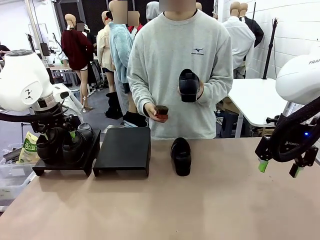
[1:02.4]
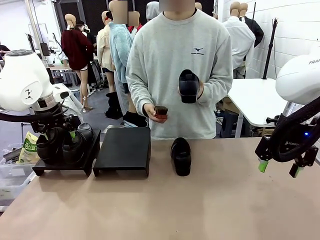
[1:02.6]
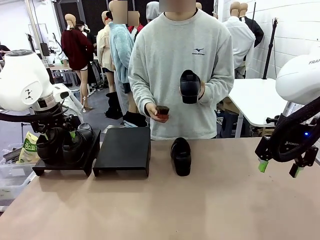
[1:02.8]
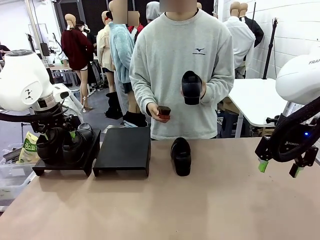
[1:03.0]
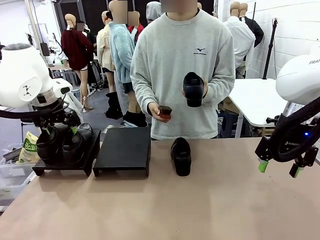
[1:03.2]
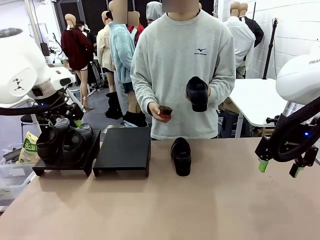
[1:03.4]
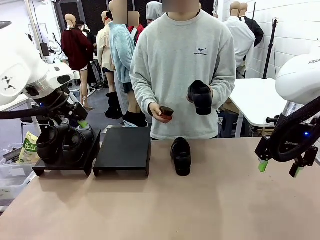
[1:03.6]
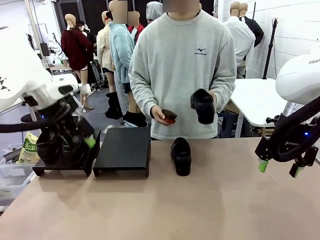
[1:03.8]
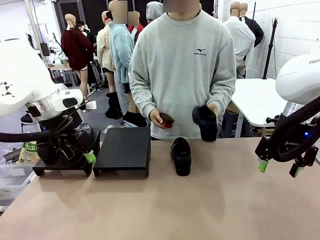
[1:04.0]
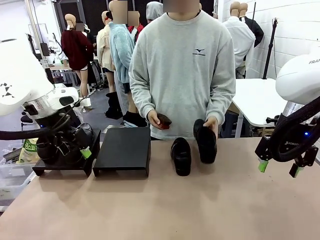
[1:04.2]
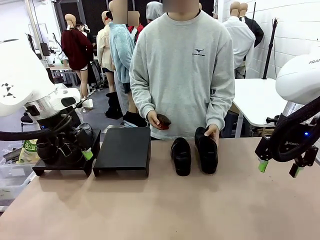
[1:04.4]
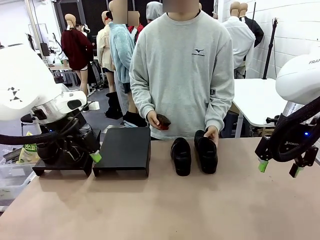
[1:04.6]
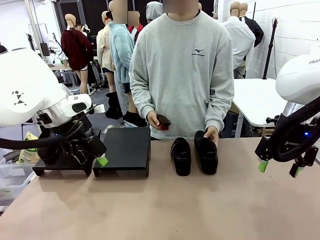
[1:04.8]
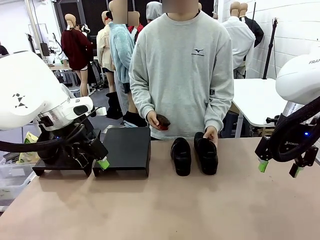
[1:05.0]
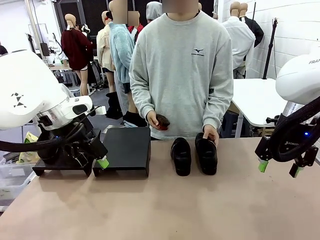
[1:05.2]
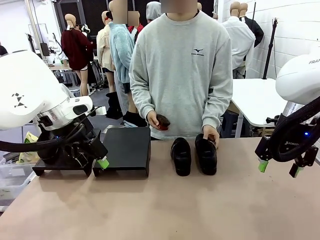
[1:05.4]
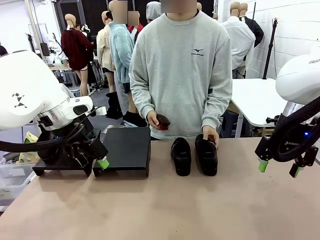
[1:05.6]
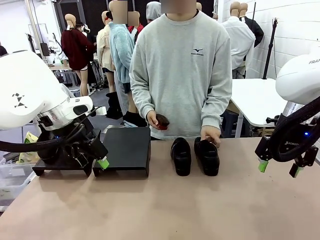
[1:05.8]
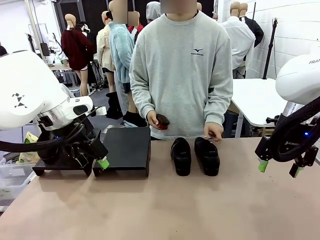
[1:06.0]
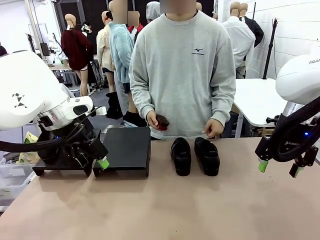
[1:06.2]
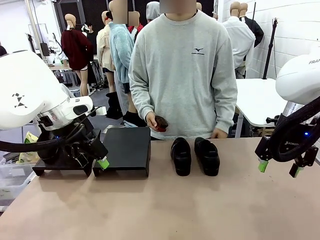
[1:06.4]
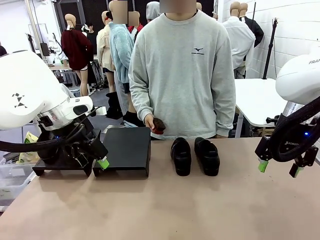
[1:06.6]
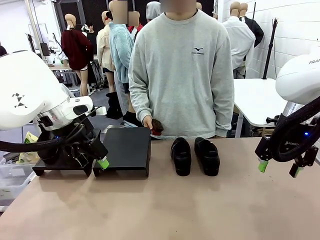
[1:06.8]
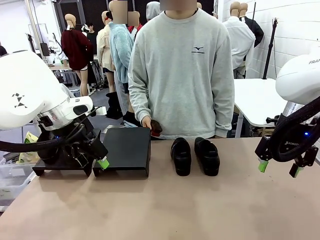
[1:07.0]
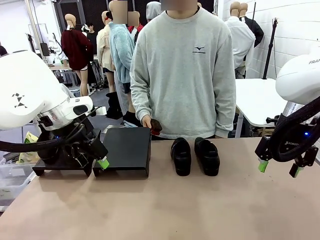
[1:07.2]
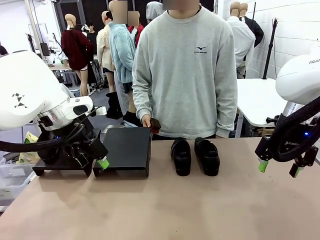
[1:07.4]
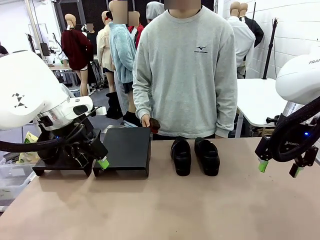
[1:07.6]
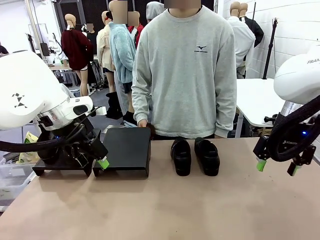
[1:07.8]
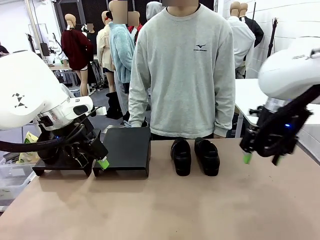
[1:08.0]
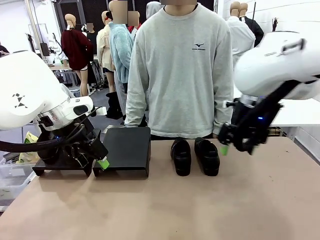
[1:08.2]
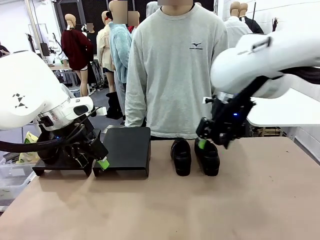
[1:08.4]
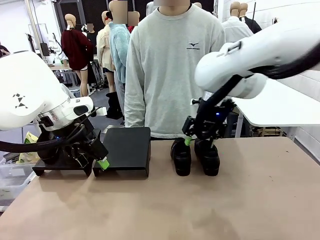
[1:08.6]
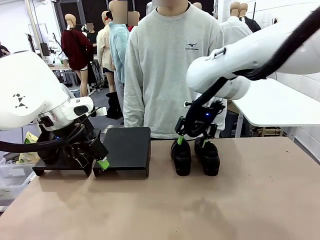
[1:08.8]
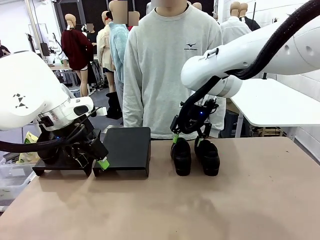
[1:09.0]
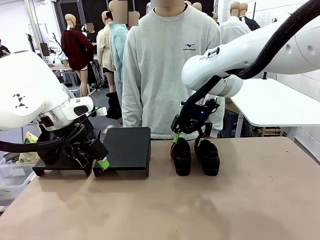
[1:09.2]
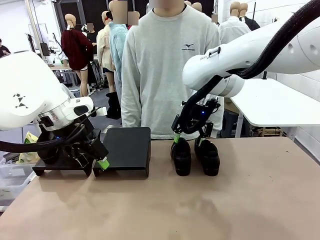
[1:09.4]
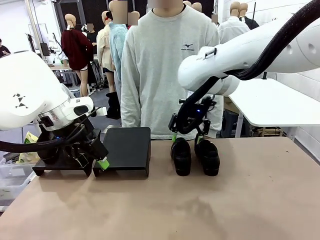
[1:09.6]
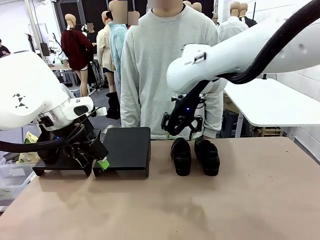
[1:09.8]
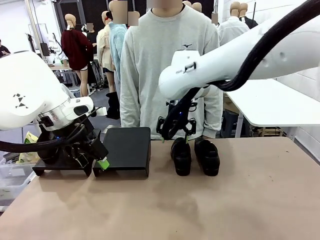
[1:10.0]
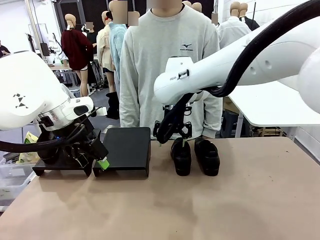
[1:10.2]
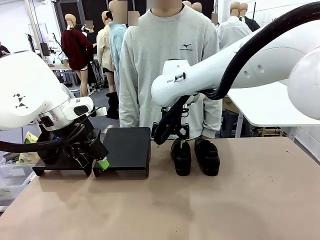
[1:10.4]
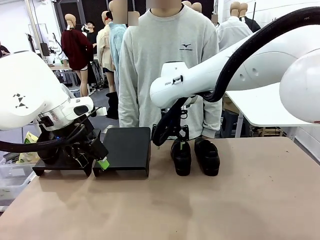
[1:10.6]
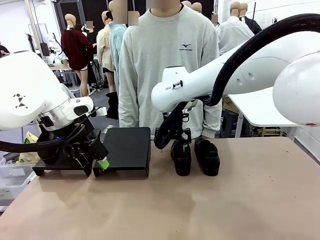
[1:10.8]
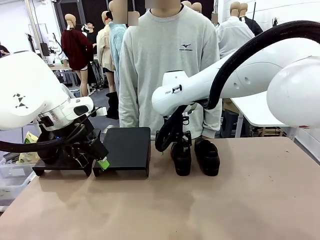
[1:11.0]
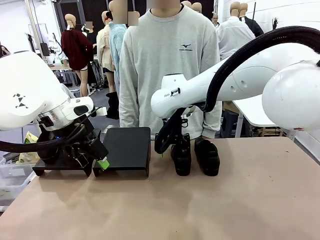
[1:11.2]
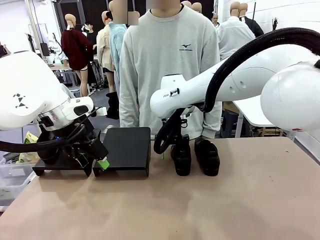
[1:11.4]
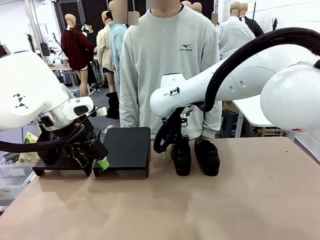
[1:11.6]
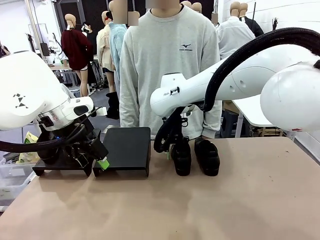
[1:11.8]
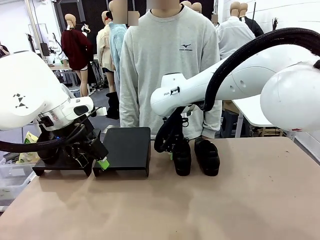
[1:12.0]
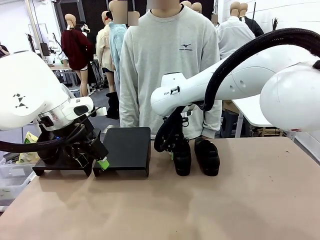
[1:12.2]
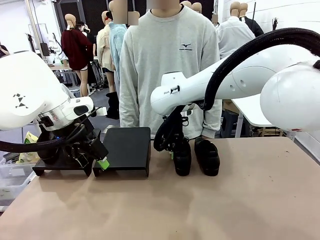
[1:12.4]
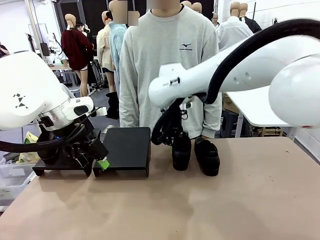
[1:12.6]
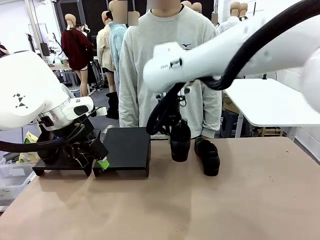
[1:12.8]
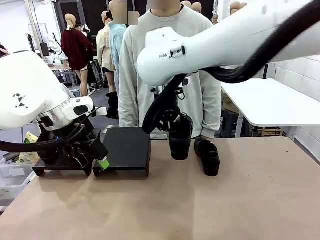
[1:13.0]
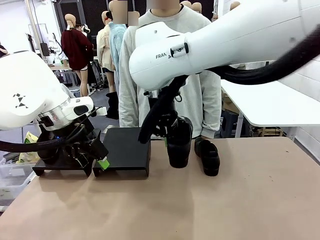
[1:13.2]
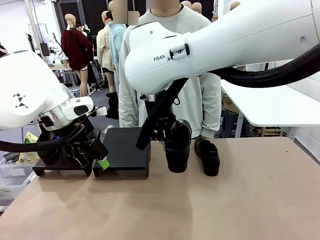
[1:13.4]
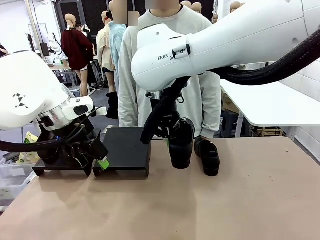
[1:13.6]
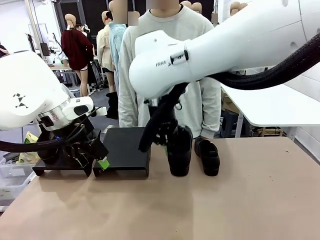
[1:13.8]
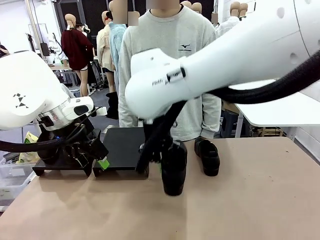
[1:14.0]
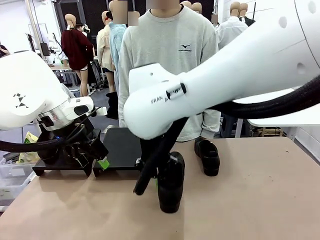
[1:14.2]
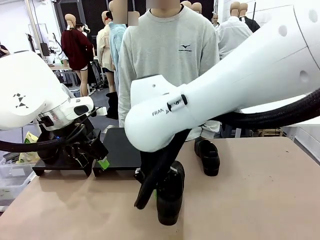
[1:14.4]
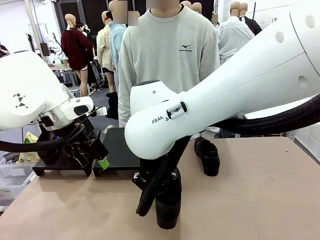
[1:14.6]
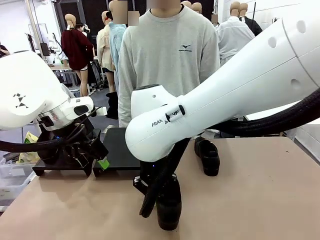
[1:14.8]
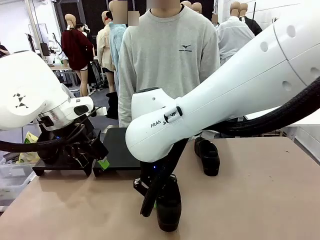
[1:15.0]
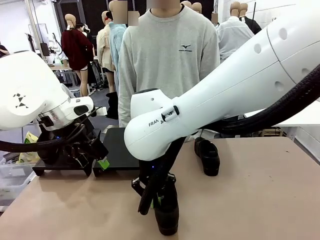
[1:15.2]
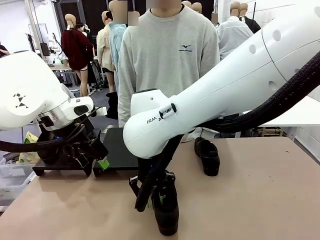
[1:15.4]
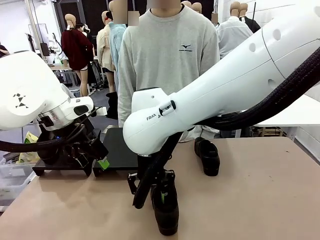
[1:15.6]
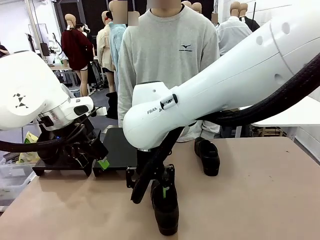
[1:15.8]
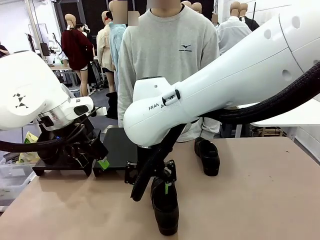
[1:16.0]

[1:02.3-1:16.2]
Task: Organize the shoes by placing them on the stand.
Robot: Pick up one Shoe and place it in the middle of the table.

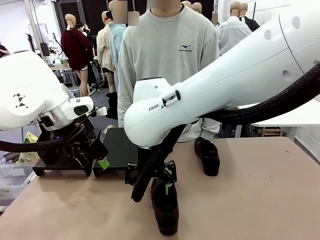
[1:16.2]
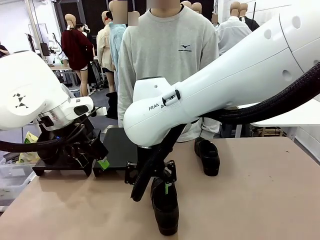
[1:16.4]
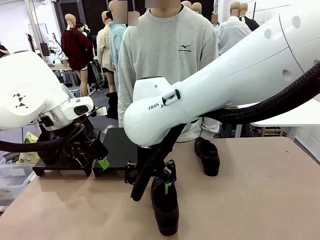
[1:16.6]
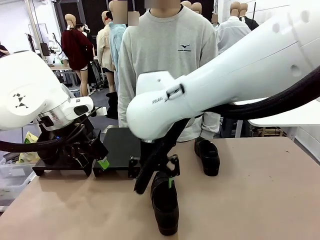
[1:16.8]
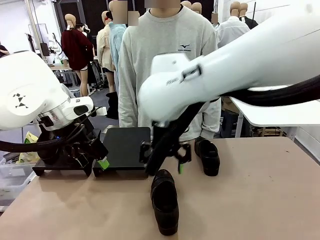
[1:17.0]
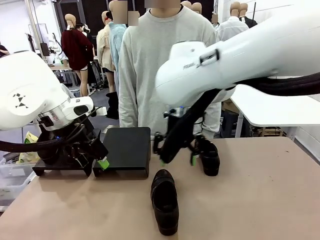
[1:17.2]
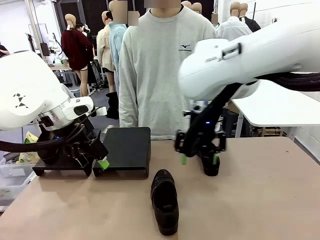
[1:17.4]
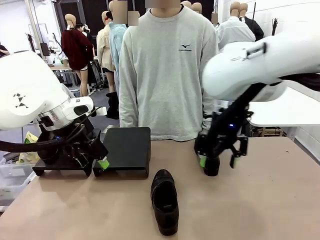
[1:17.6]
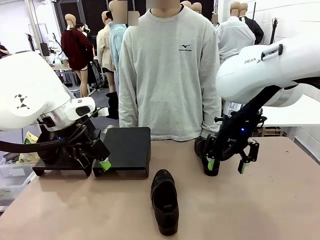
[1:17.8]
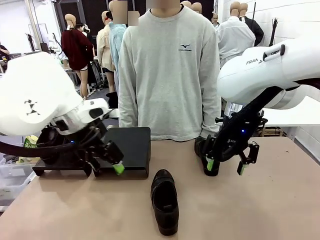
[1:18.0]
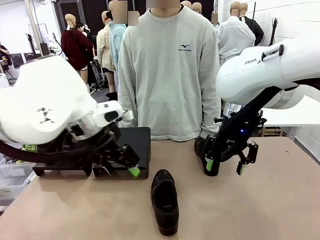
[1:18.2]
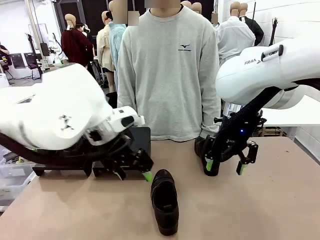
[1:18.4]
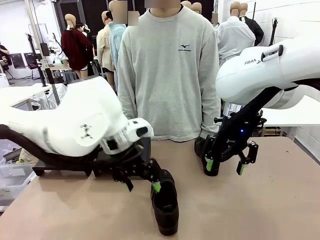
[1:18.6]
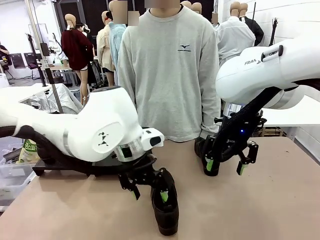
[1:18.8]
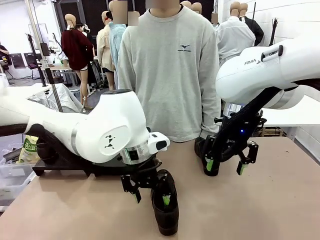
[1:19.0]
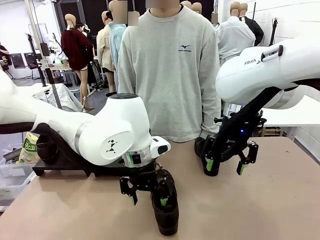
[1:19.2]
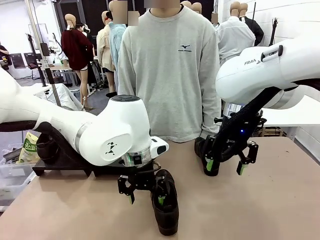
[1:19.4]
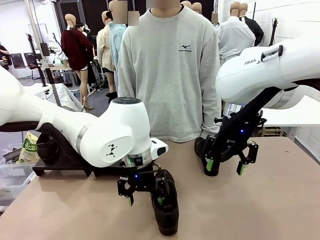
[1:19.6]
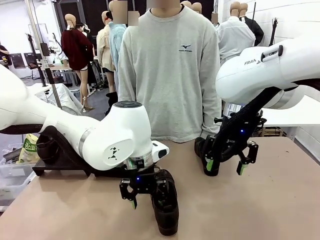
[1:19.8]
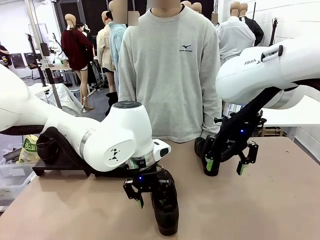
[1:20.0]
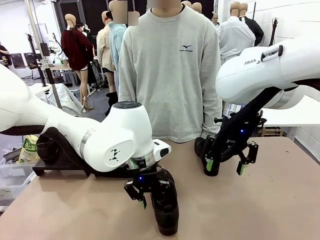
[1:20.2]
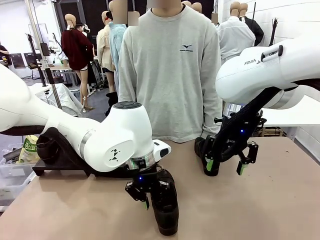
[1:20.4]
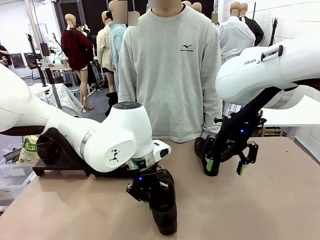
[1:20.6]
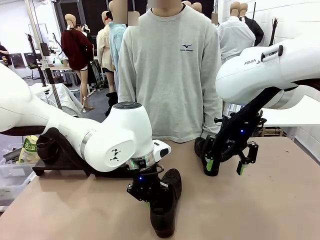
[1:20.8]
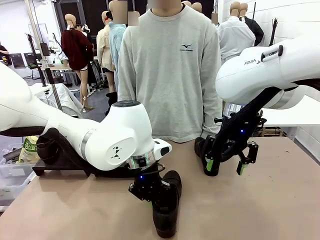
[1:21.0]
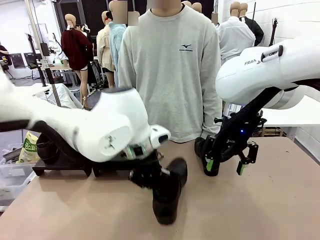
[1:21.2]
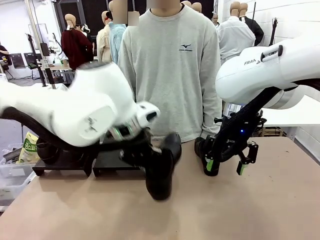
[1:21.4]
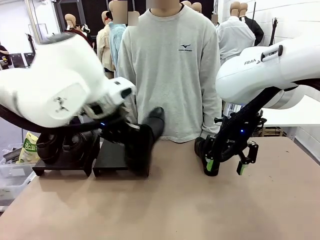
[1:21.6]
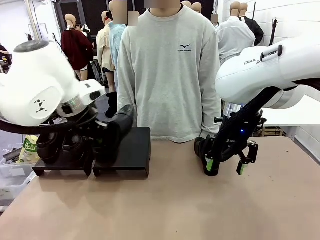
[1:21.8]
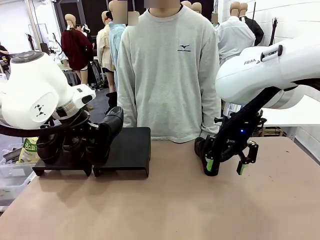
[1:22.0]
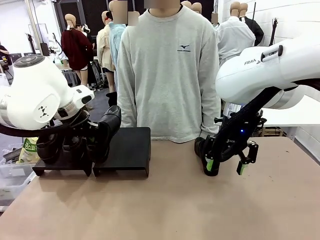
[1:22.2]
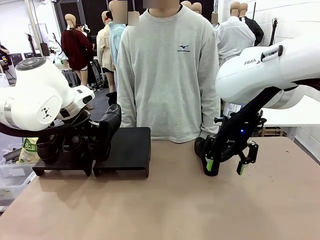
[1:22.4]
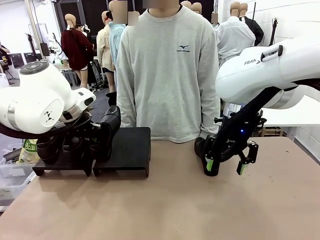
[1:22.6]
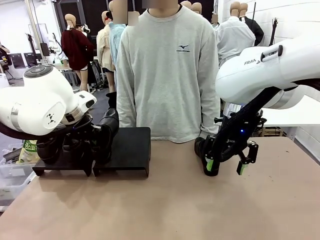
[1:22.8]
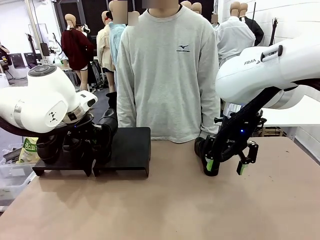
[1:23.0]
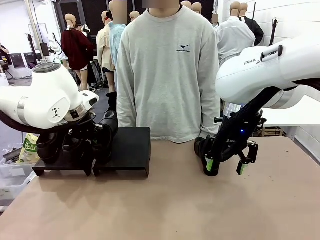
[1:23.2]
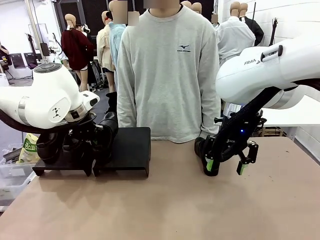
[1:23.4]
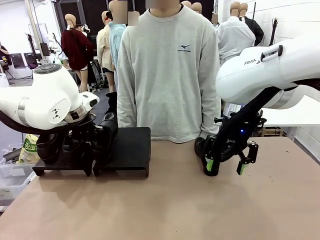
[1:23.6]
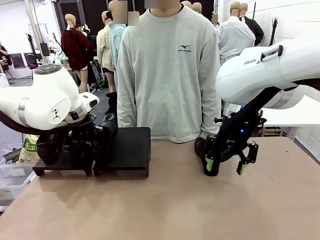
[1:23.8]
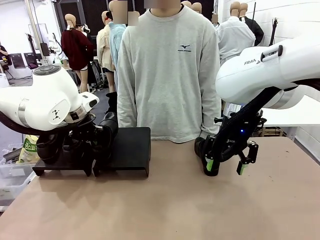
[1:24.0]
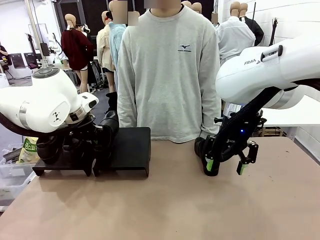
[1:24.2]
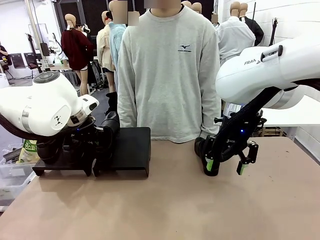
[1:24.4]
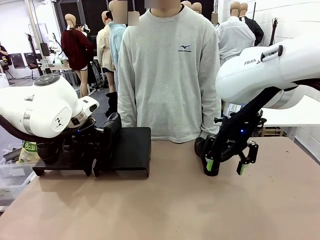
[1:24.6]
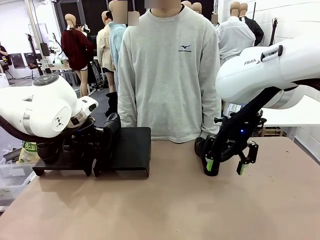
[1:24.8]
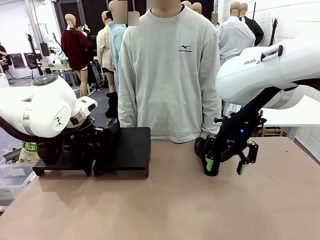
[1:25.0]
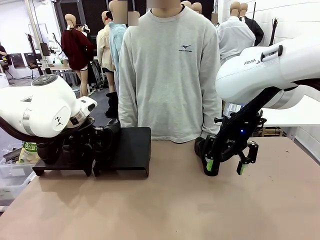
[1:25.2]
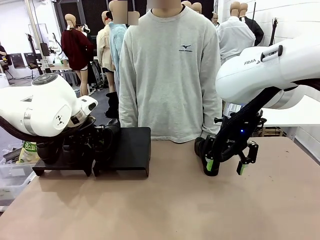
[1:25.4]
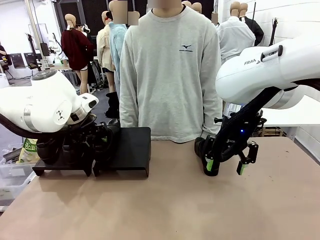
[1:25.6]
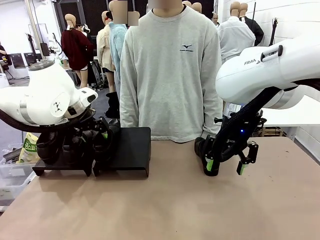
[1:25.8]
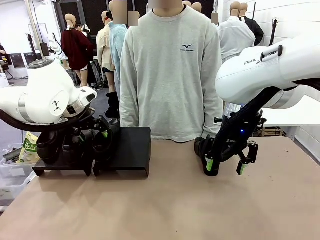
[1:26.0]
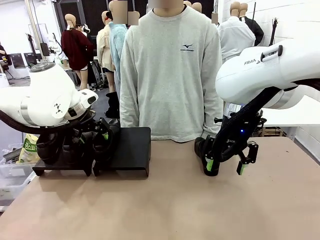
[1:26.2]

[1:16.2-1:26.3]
Robot: Place the Shoe from the middle of the table onto the Shoes Stand.
